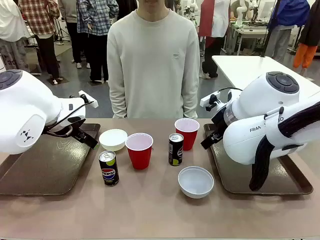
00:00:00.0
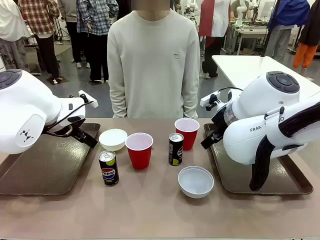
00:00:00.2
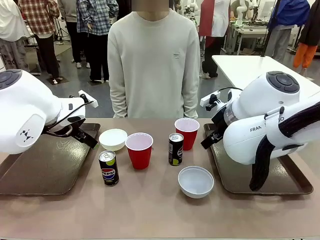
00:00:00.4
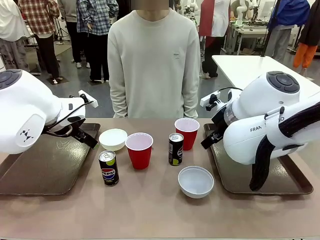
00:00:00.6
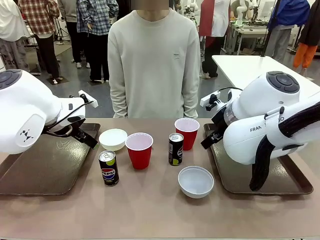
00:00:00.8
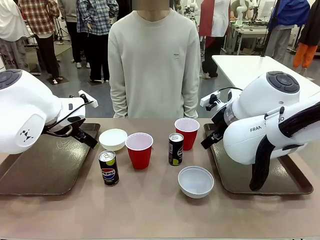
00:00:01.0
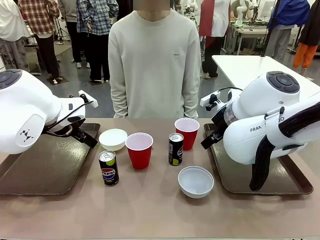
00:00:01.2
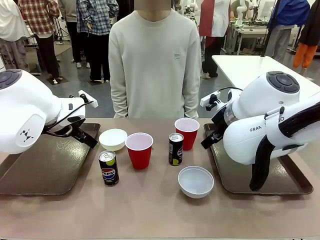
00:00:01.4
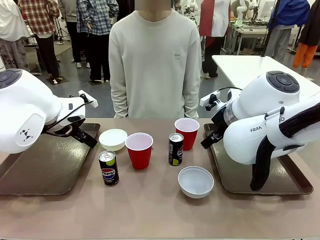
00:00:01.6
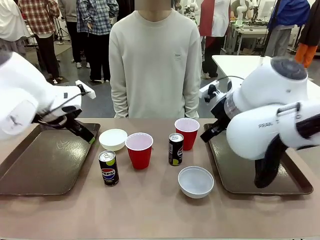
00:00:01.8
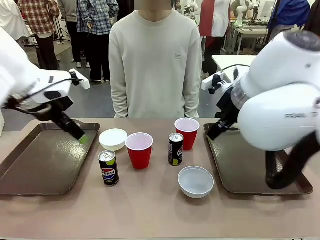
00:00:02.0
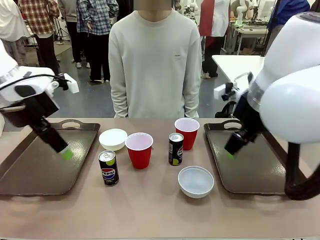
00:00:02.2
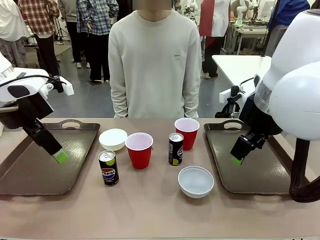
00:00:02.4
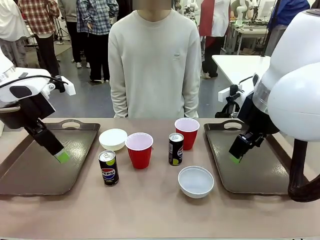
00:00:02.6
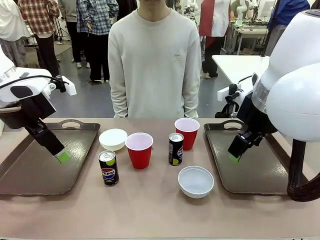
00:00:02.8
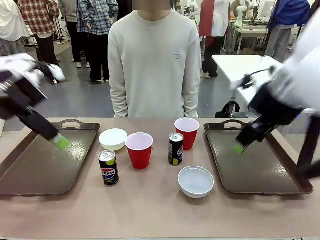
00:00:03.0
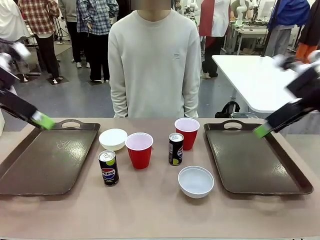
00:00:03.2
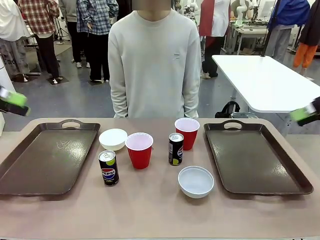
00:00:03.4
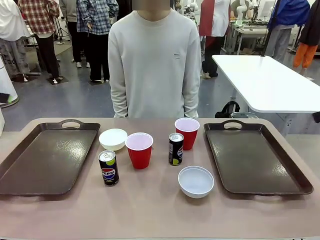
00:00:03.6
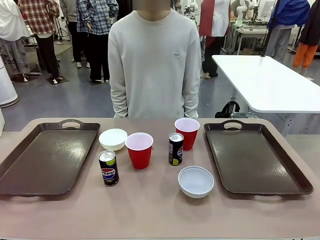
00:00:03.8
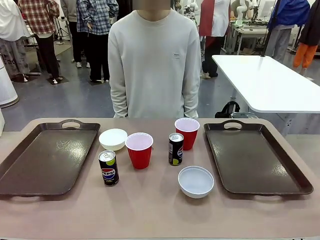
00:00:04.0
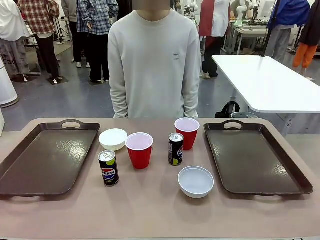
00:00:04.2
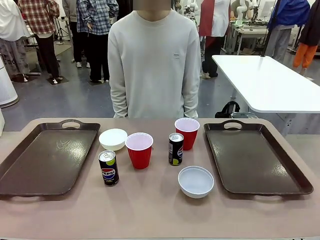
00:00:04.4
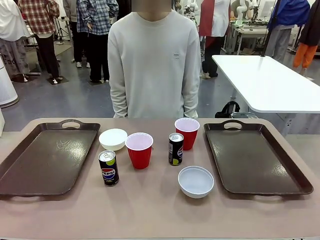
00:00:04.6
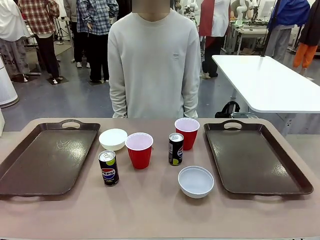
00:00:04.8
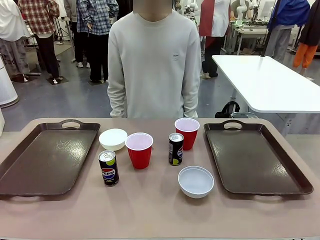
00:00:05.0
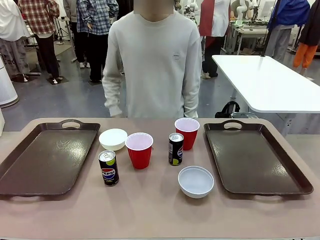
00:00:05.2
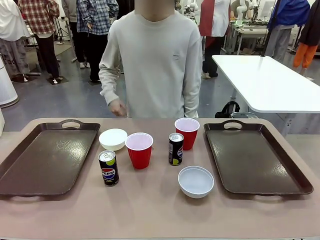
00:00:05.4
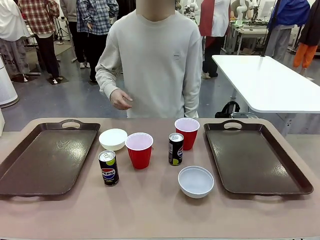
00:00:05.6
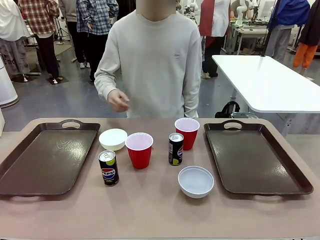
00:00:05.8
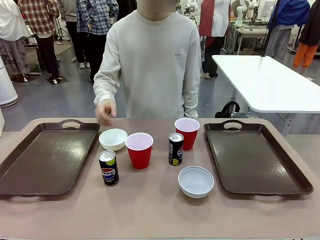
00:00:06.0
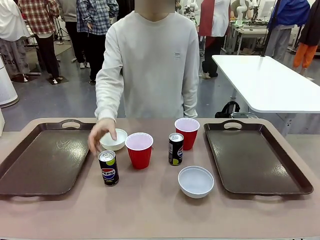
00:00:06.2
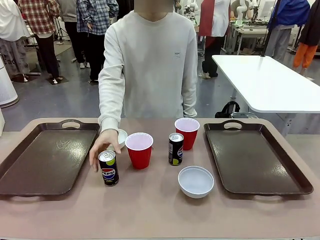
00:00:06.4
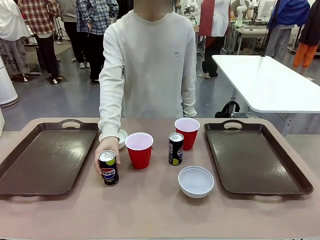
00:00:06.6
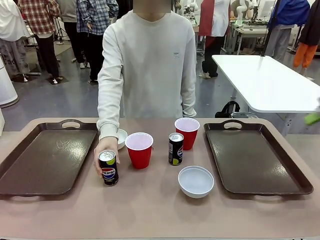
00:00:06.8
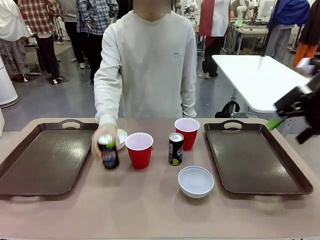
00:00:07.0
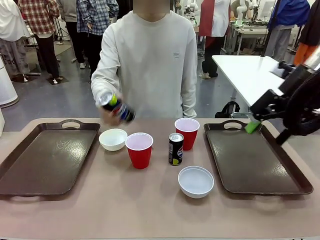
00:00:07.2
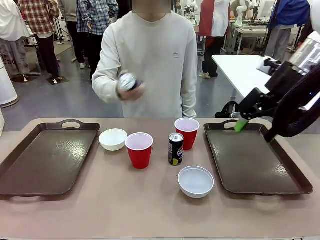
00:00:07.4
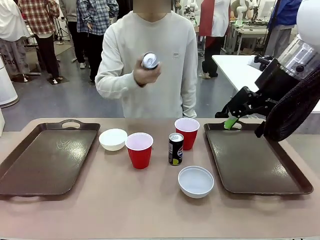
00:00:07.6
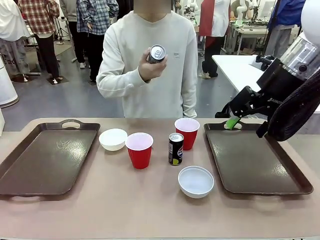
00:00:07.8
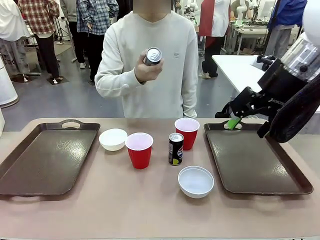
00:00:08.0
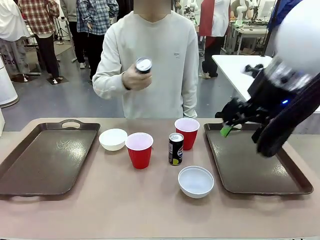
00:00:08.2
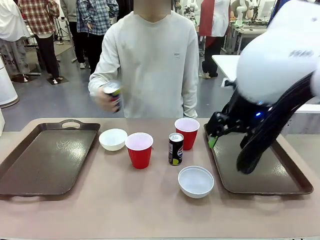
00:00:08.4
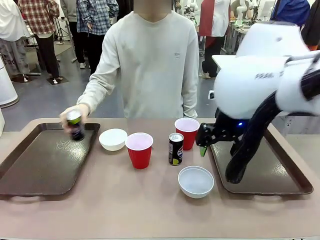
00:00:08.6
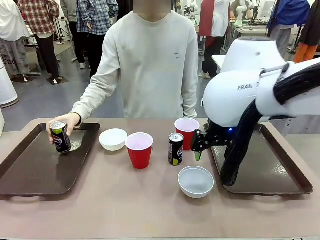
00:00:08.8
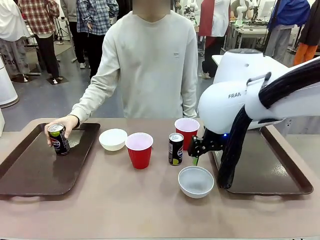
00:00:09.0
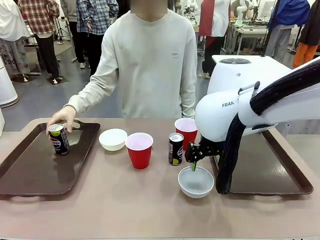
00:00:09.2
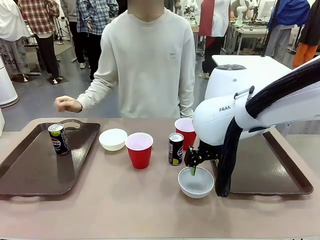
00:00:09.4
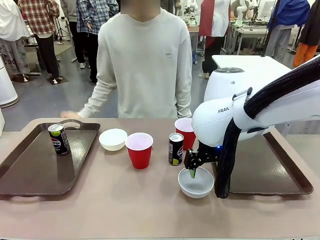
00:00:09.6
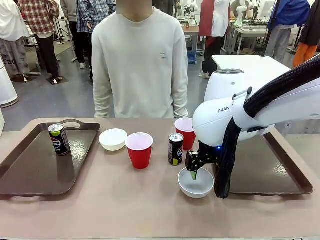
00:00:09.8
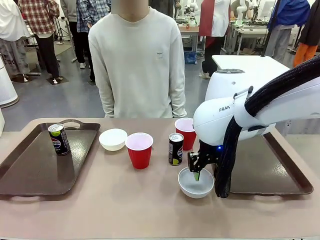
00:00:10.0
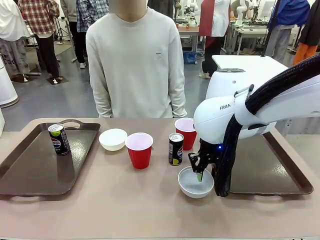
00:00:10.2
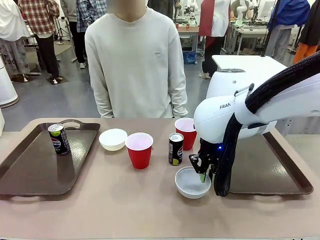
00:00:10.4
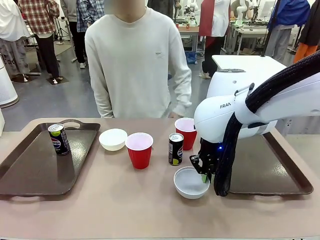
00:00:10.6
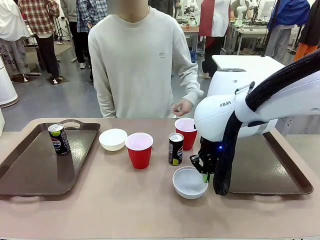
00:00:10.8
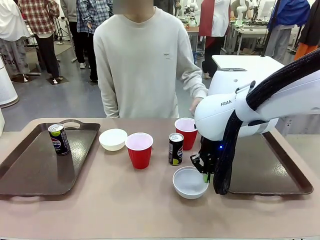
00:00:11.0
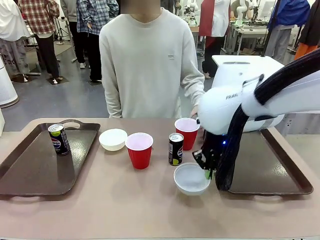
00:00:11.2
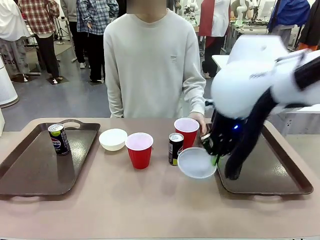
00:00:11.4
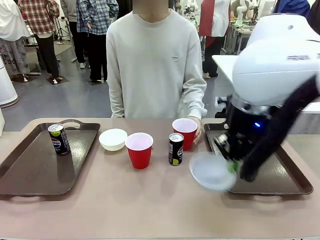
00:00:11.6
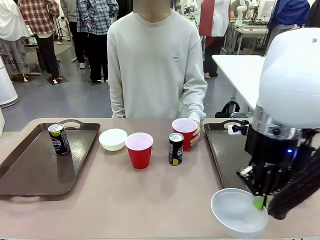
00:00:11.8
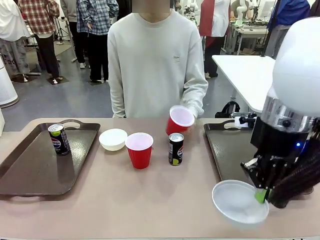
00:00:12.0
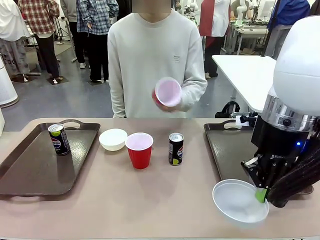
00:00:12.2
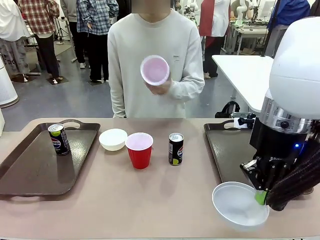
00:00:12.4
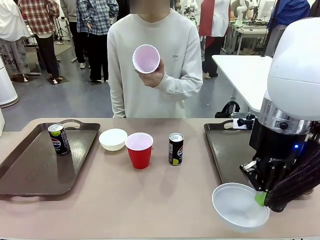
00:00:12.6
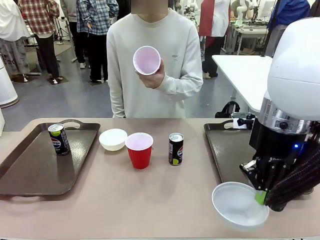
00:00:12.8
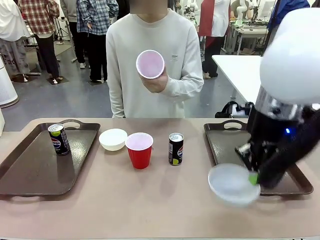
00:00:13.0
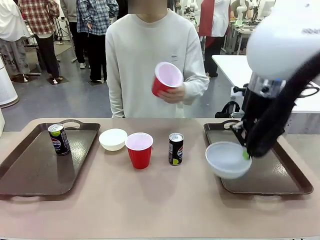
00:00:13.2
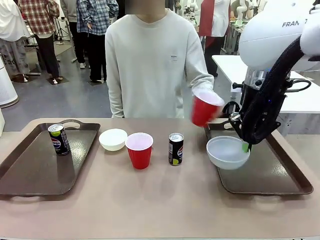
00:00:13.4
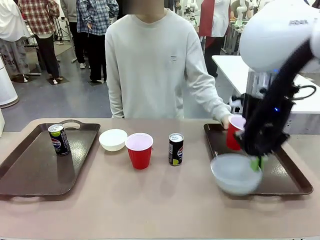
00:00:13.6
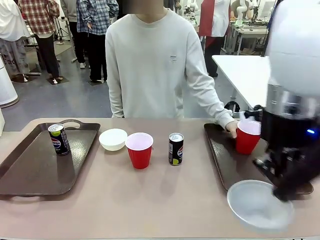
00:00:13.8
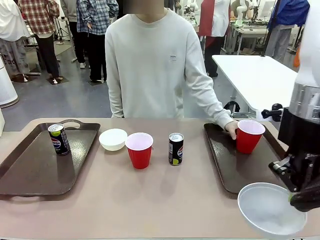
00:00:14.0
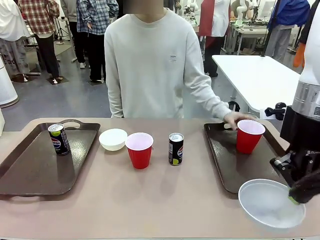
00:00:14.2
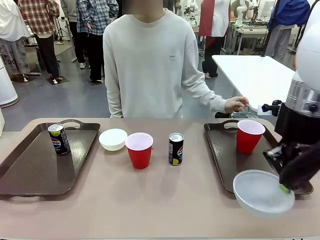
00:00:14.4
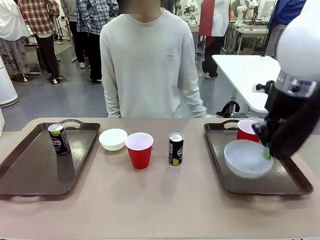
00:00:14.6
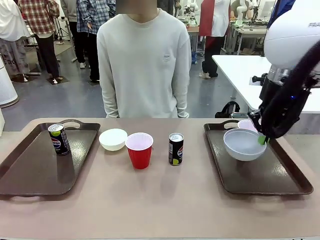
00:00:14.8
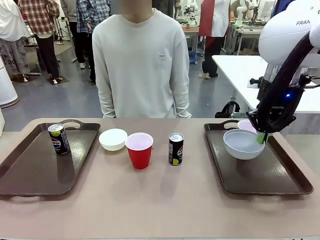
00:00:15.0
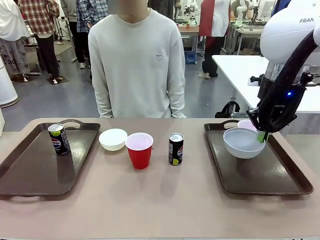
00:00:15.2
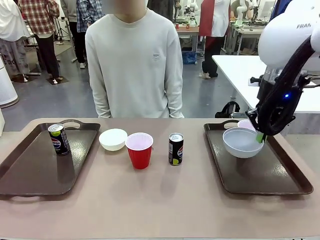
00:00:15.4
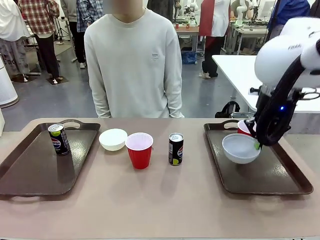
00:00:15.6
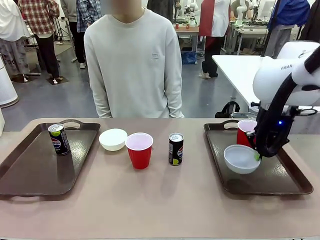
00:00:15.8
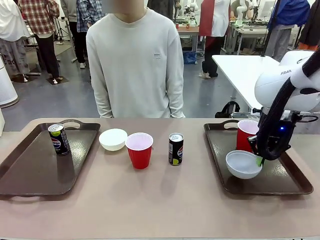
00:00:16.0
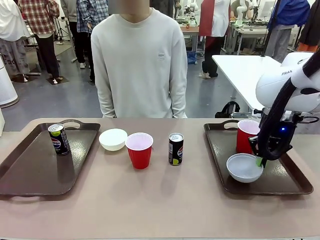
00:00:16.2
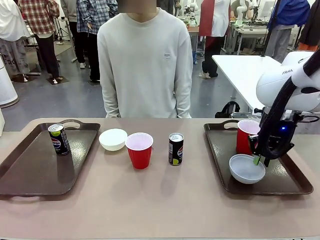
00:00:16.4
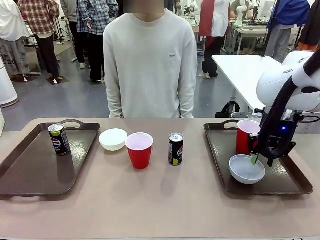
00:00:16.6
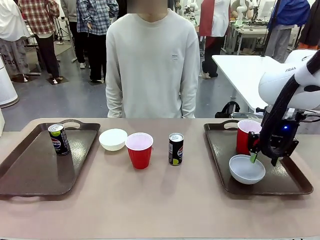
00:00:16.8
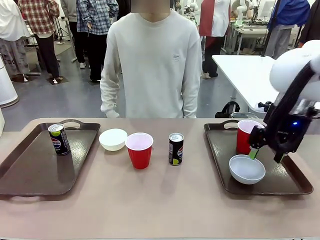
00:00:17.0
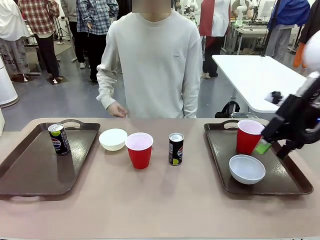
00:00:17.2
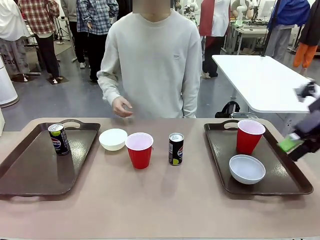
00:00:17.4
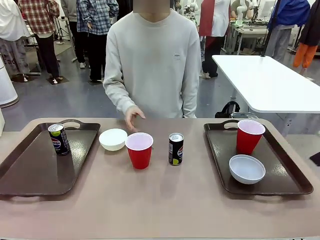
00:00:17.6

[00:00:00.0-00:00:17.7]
Task: Prepare tableware on both trays.
Robot: Pick up a Picnic Bowl from the table and place it on a Handle tray.
Person: Pick up a can or cup and place it on the tray.
